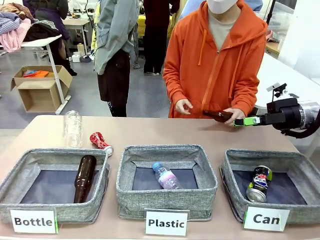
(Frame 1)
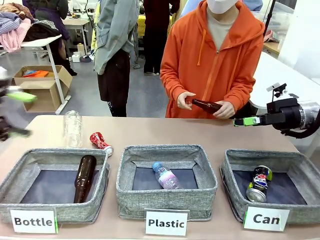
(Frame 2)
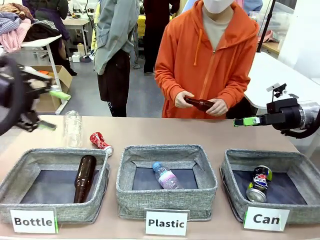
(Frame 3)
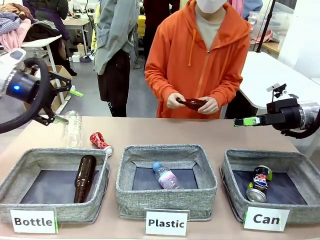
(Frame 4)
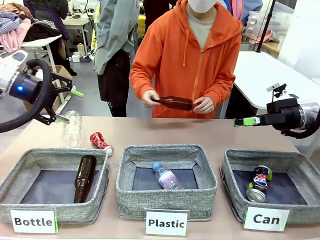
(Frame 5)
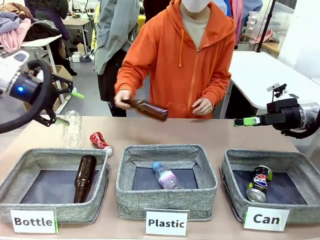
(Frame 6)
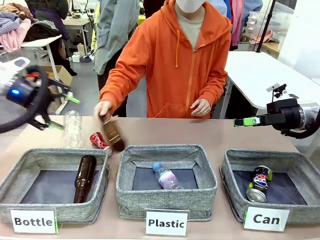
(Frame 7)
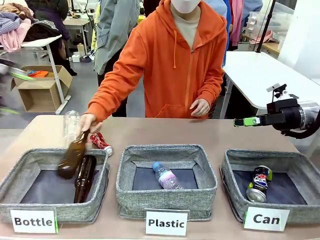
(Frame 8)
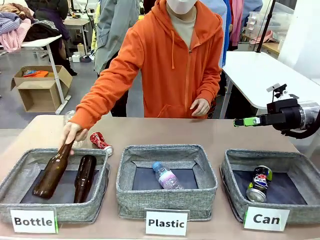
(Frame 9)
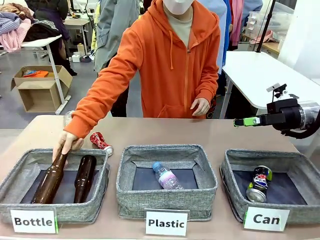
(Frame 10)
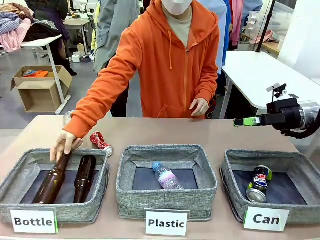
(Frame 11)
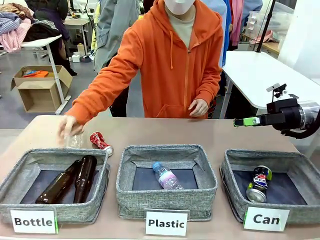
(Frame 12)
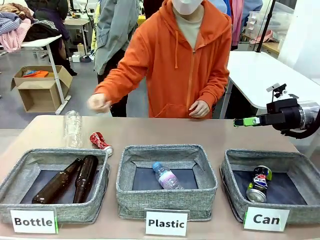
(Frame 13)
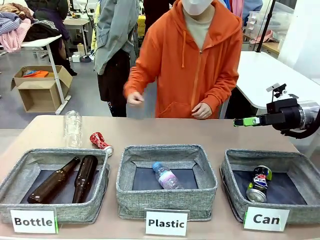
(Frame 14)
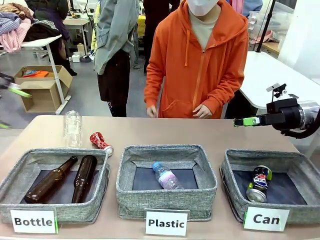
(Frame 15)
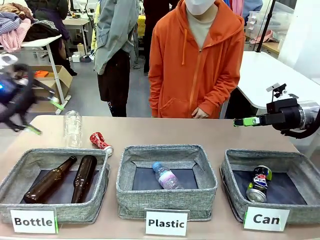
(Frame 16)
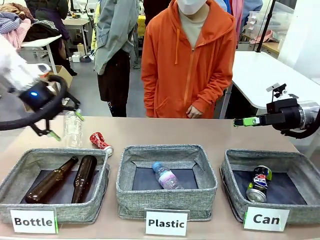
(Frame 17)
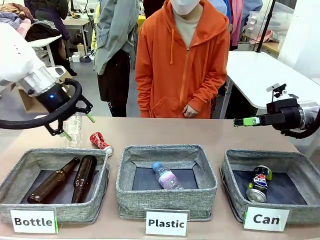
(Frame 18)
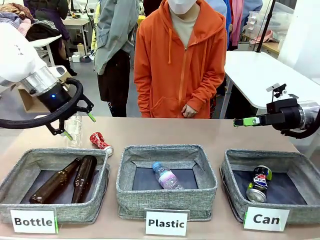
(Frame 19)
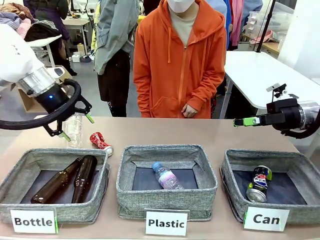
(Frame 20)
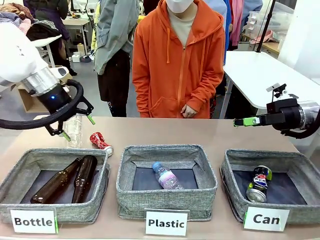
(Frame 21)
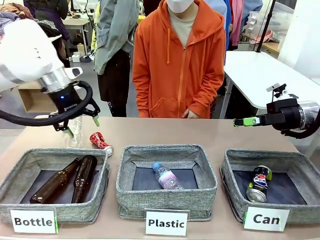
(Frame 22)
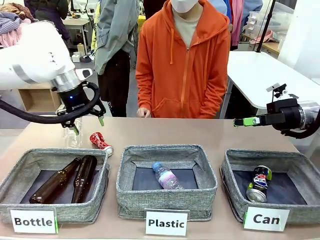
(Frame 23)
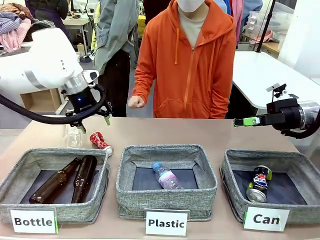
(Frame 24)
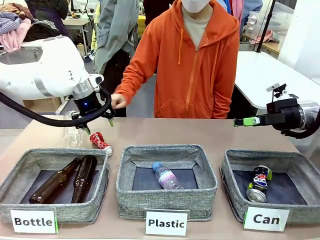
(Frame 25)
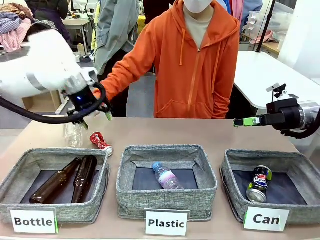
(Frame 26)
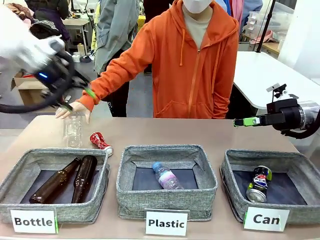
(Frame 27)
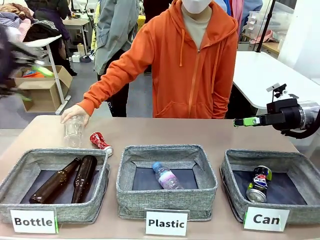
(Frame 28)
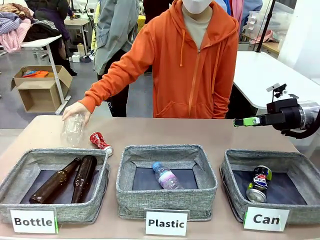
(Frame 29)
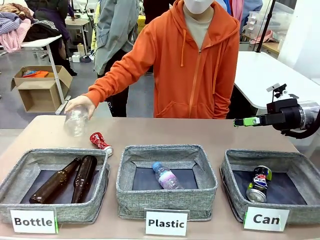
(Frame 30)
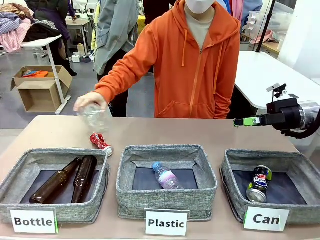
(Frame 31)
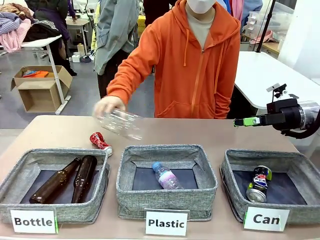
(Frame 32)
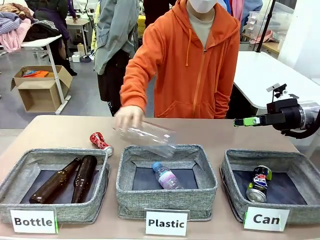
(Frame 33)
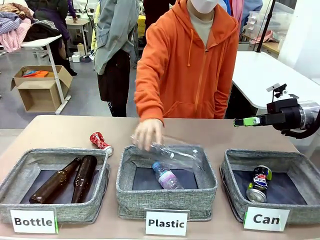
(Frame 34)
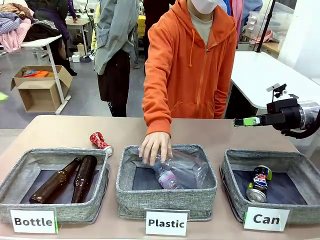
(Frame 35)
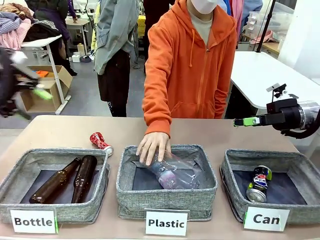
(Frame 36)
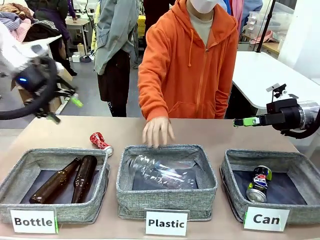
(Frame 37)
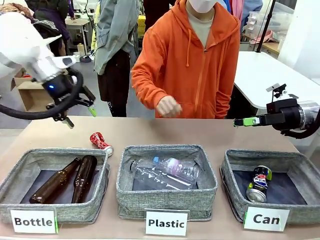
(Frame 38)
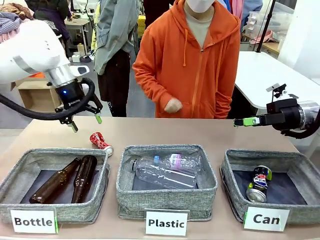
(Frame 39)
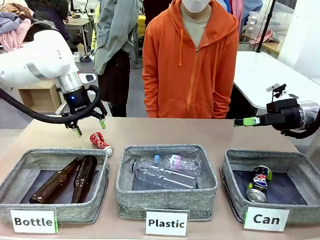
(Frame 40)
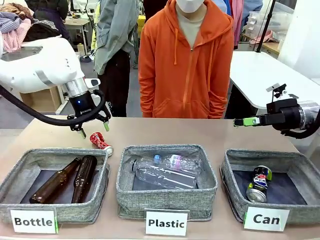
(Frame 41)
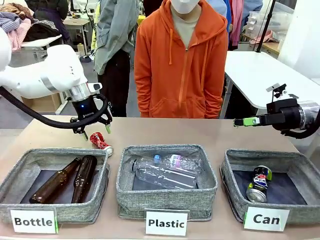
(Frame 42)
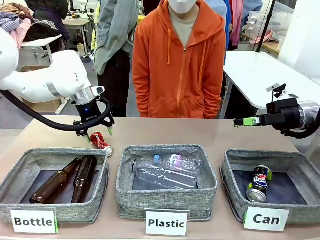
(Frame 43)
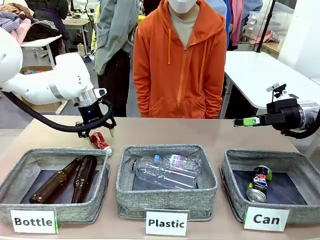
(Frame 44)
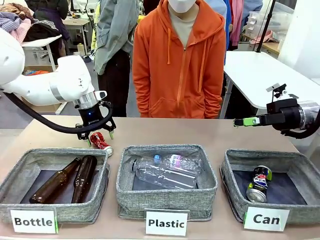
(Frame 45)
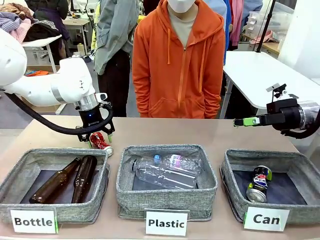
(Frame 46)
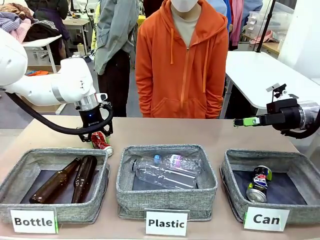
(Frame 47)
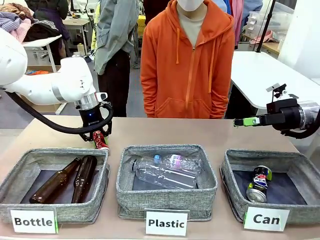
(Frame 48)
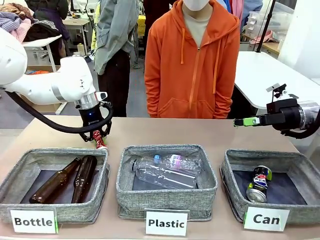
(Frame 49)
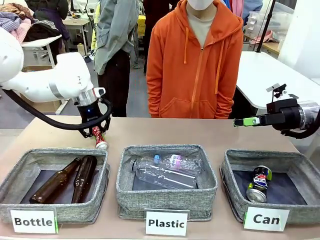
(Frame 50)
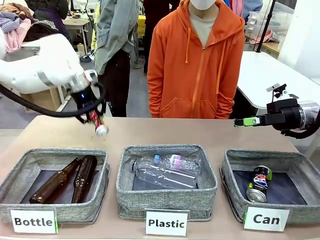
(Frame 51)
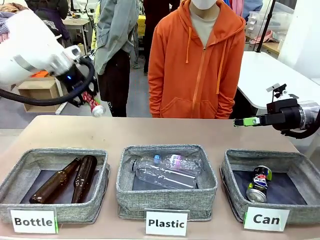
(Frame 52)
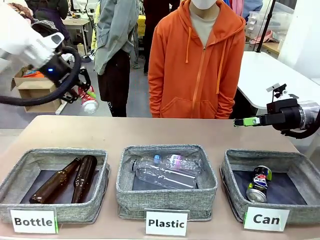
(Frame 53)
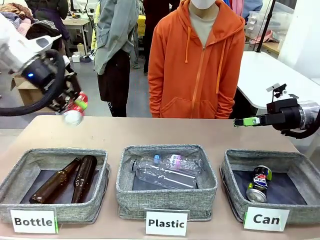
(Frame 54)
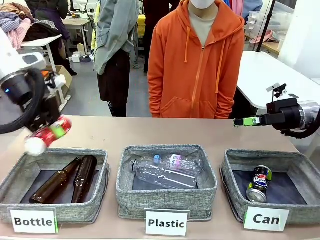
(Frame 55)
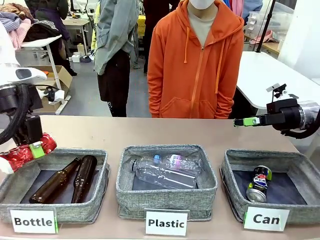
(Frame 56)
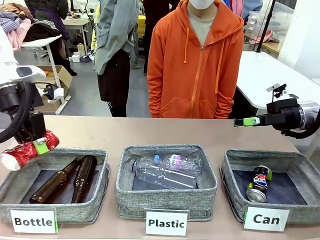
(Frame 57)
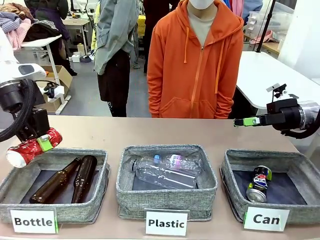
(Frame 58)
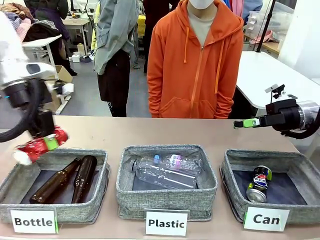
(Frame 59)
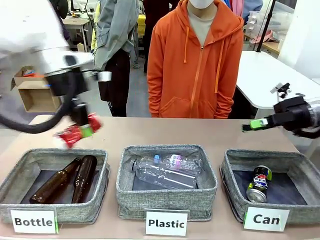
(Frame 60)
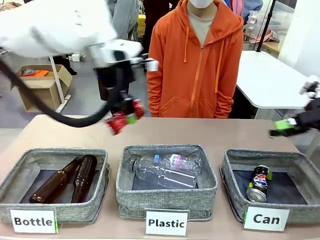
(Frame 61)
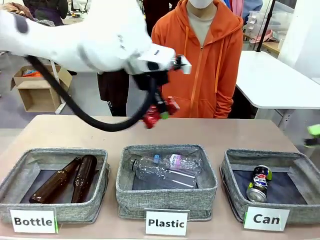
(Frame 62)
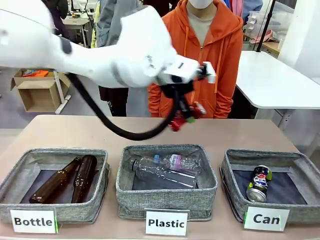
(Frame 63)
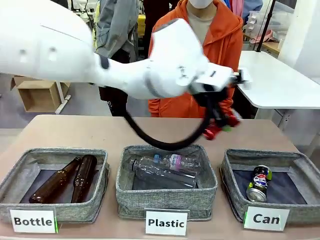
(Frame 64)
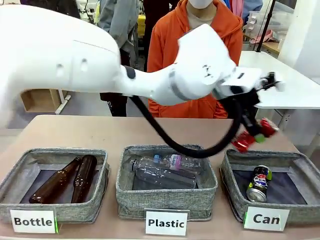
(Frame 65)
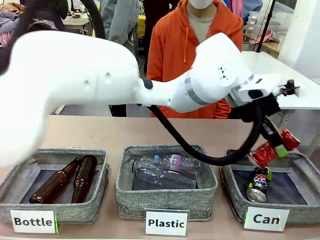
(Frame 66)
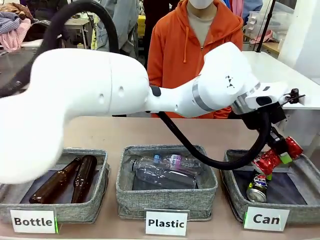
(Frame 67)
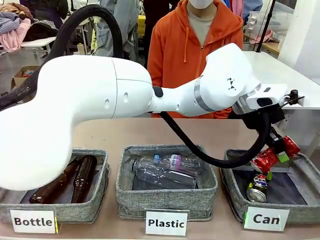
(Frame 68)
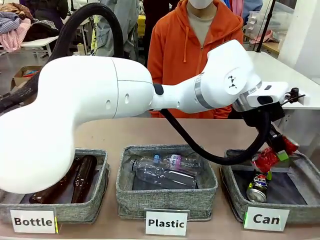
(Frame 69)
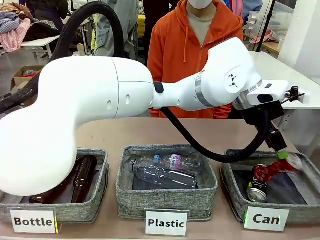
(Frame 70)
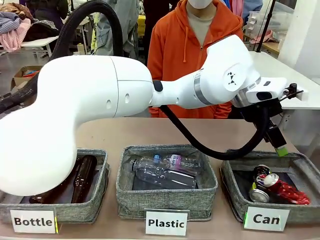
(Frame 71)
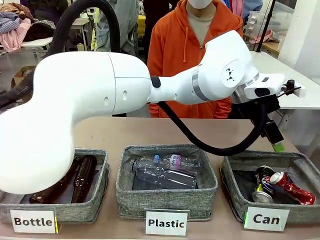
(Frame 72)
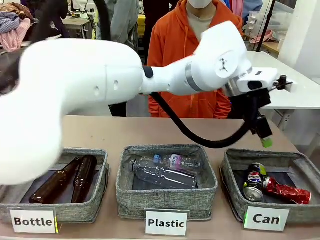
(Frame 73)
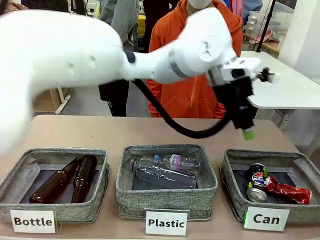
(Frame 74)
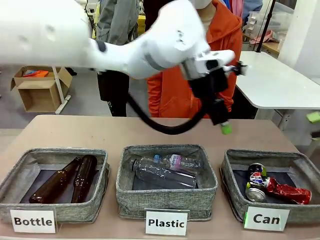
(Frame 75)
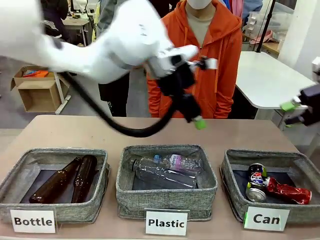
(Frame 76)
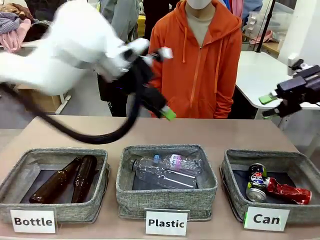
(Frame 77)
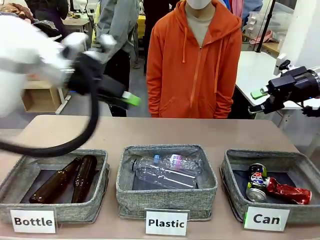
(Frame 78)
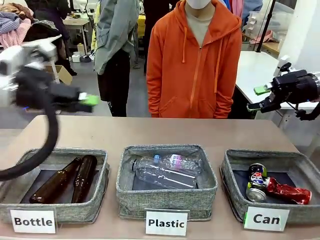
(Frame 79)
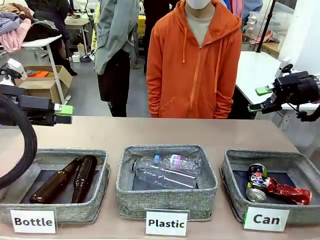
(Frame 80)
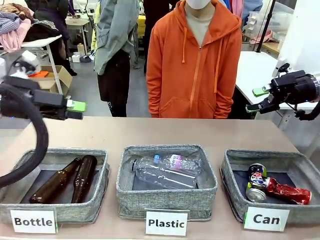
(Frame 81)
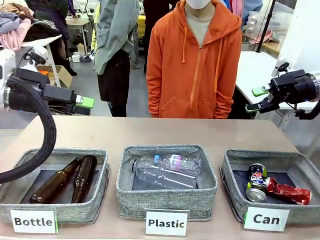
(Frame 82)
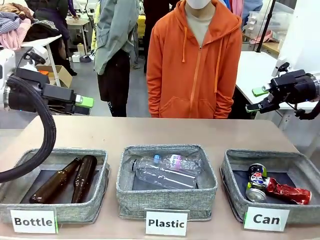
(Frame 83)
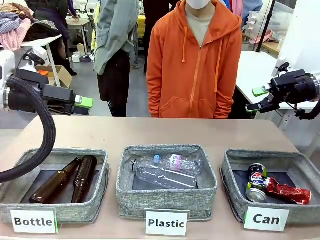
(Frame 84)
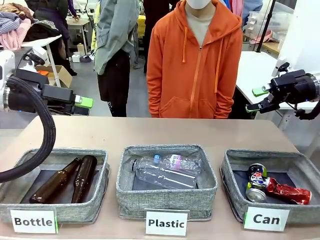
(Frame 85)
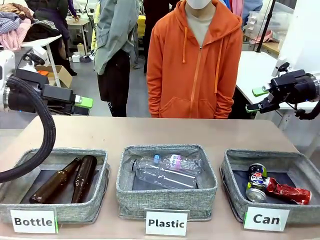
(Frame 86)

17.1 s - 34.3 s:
Task: Sort the can waste into the basket.
Robot: Pick up the can waste from the table and place it in the right Fabric basket.
Person: The human picks up one piece of trash that is not a can and places the trash into the appropriate organizing basket.
